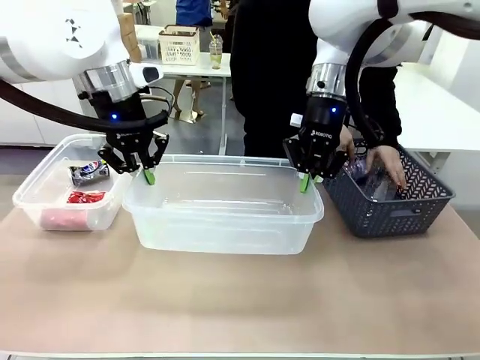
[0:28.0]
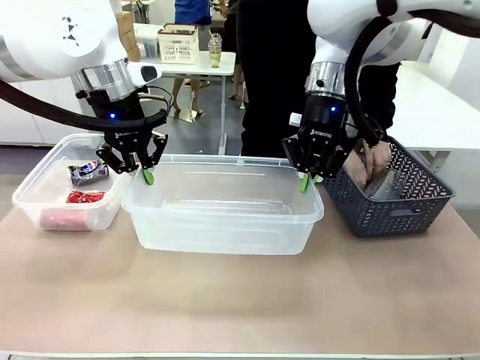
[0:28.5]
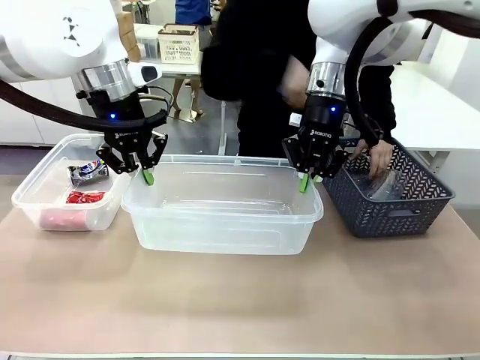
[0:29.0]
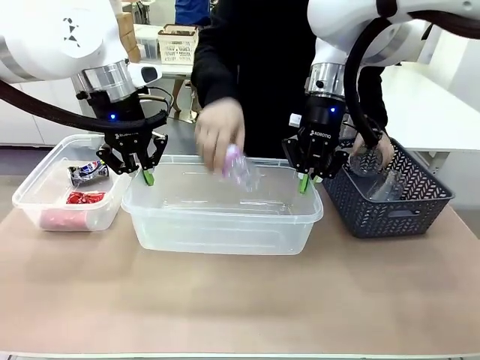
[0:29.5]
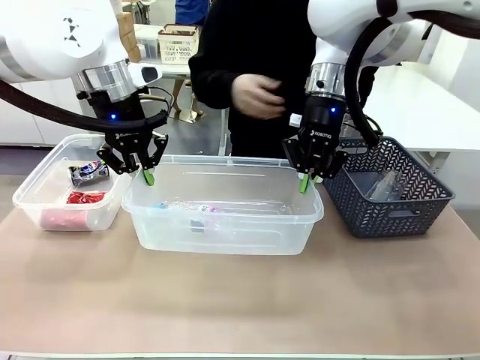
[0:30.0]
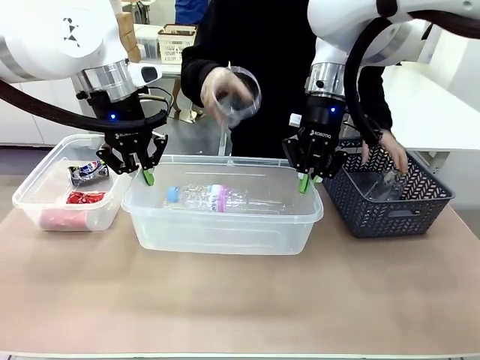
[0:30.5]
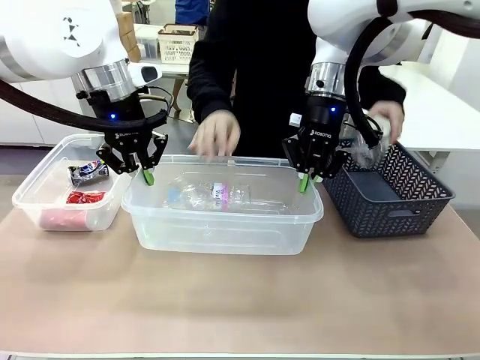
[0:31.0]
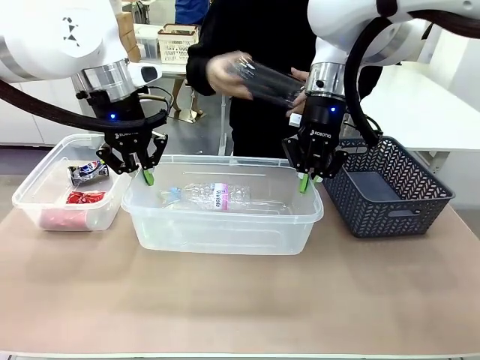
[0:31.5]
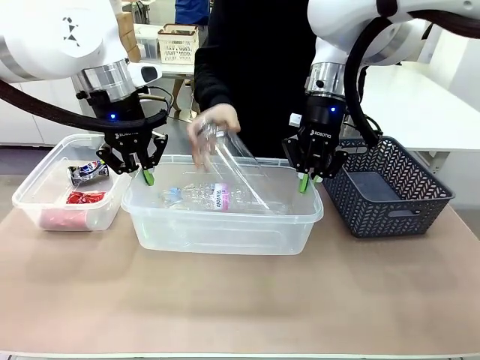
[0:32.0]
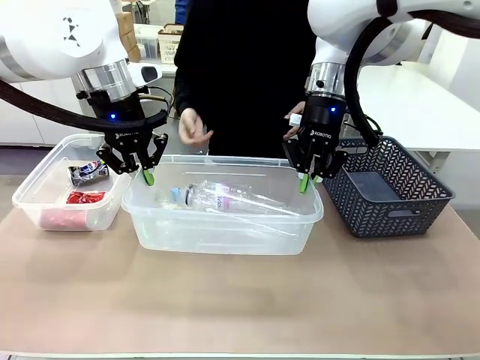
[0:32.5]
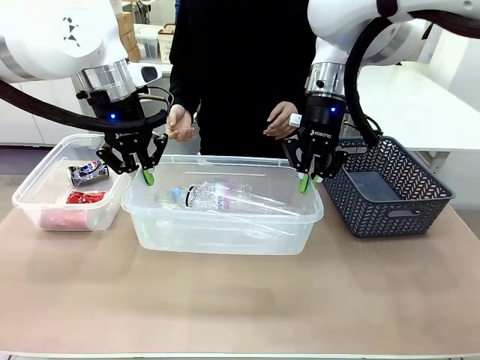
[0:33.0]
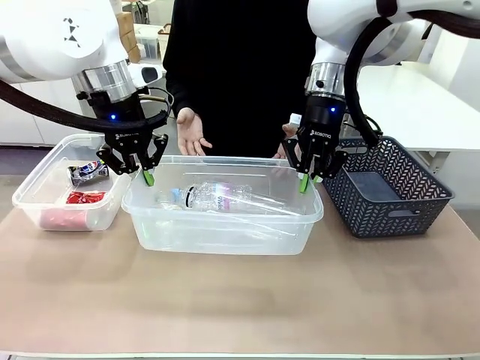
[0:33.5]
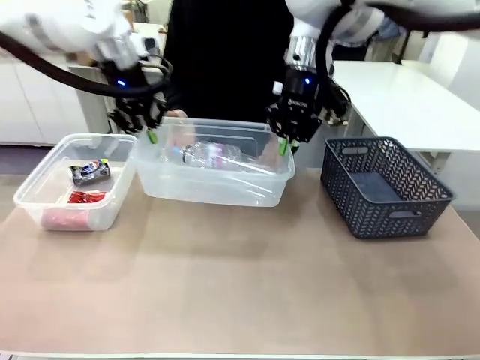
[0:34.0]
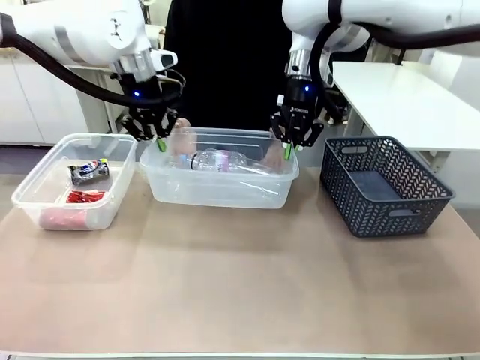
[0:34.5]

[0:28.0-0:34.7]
Robot: Offer the picked Organizing box to the human.

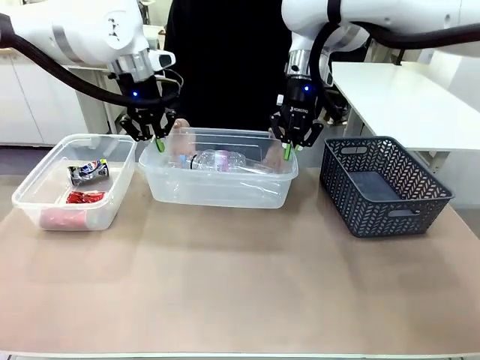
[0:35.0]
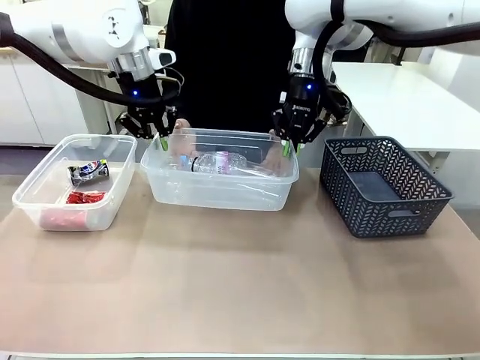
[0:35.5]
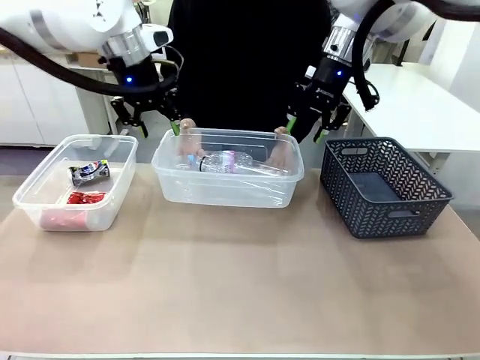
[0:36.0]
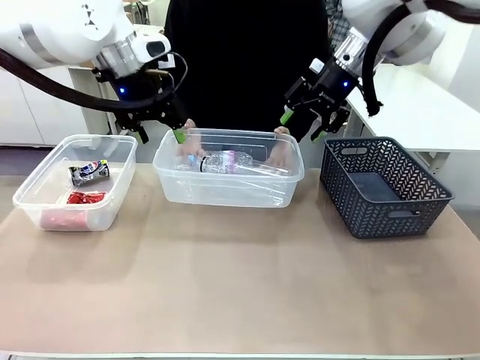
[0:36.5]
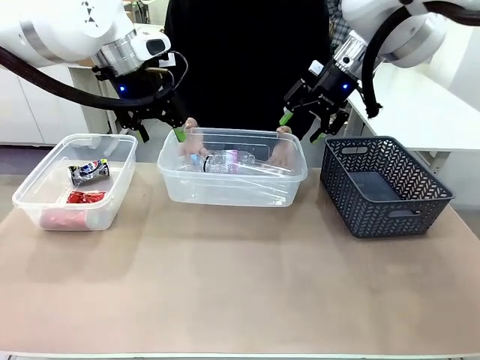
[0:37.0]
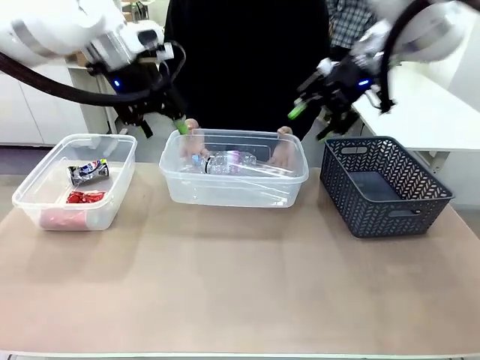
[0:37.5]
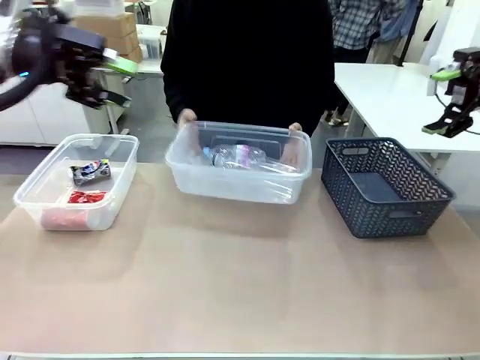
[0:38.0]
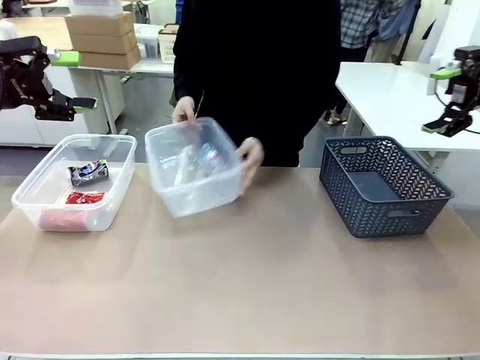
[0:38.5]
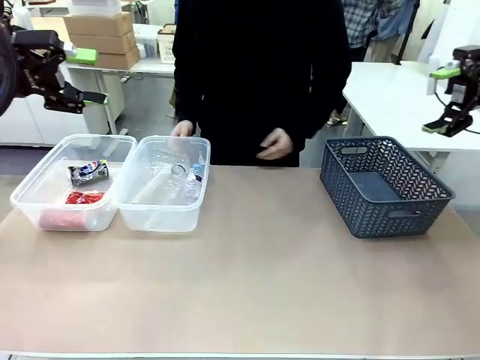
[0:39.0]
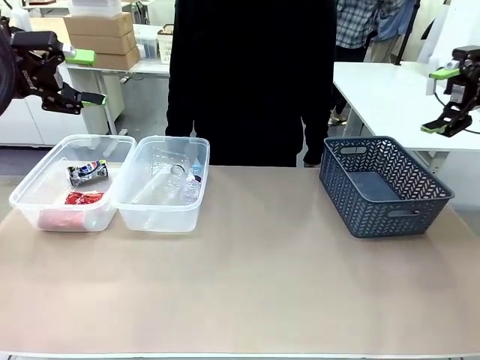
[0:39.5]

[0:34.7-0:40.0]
Robot: Release the Organizing box you were holding.
Person: Pick up the organizing box extended by the robot. Place the organizing box to the left of the sorting box containing the can waste.

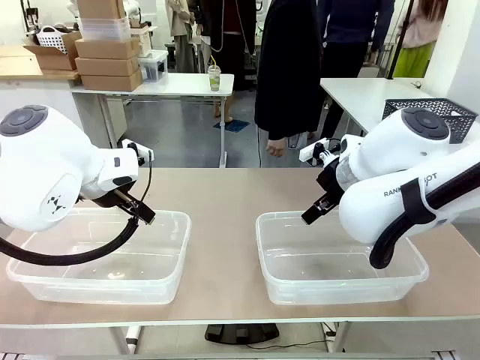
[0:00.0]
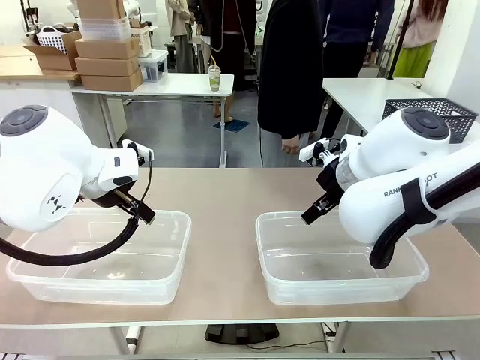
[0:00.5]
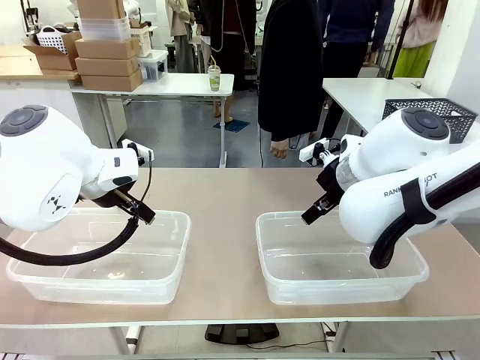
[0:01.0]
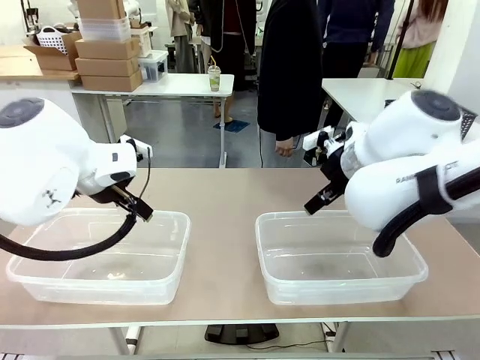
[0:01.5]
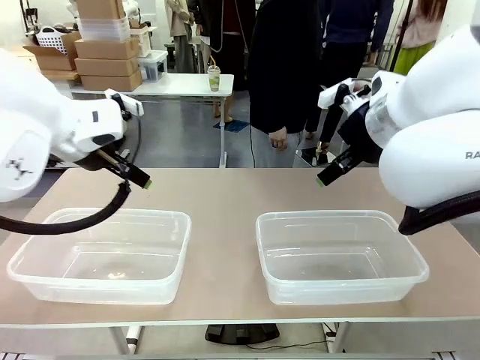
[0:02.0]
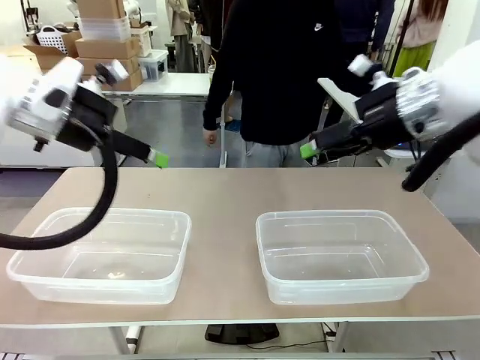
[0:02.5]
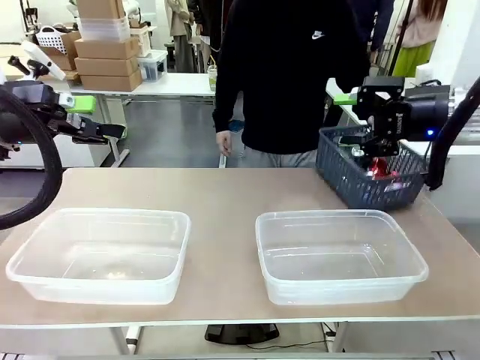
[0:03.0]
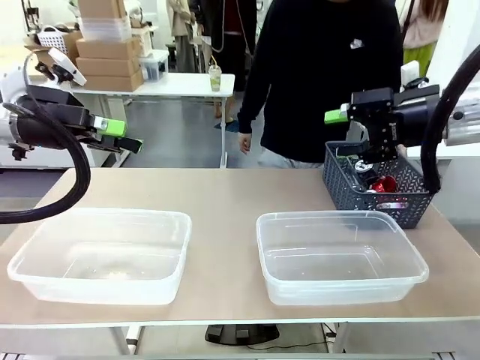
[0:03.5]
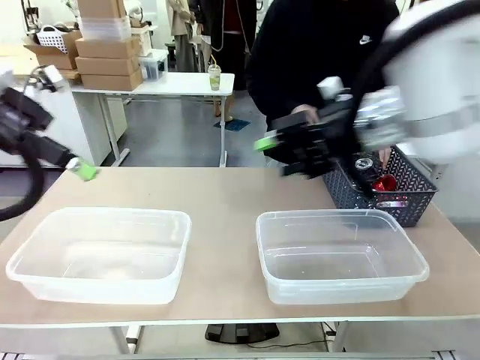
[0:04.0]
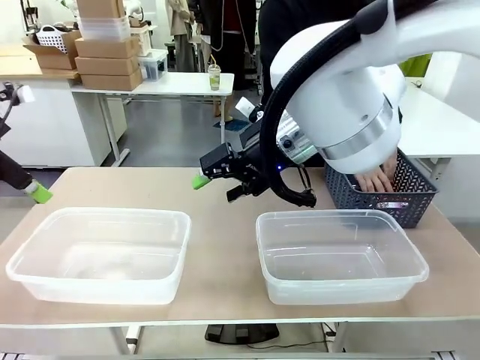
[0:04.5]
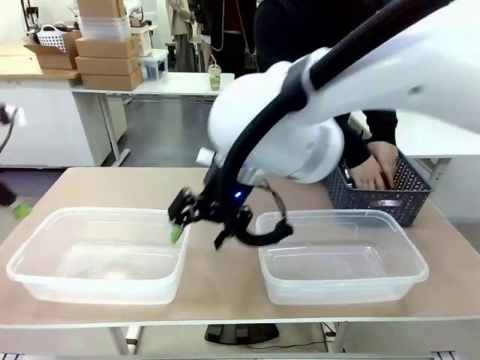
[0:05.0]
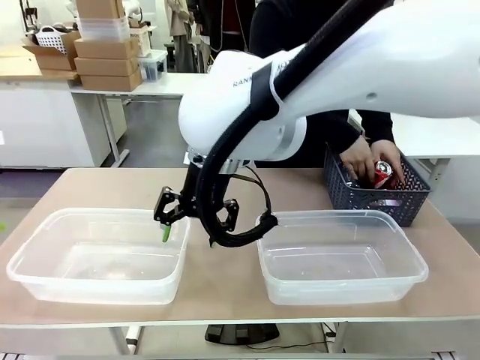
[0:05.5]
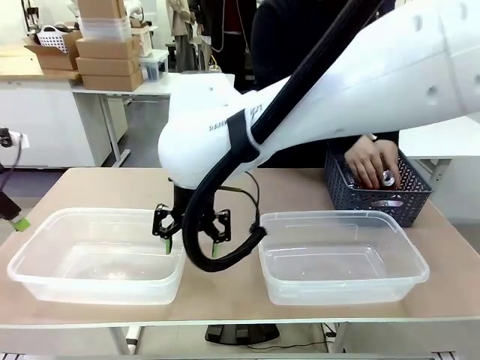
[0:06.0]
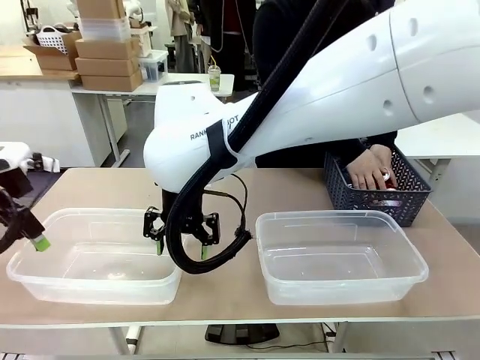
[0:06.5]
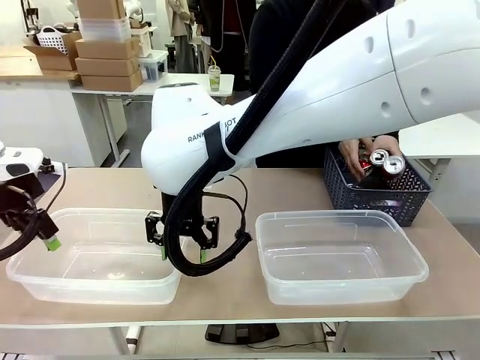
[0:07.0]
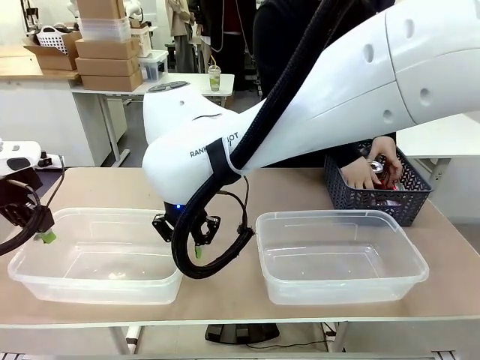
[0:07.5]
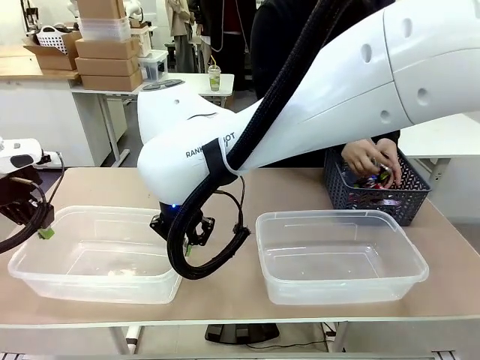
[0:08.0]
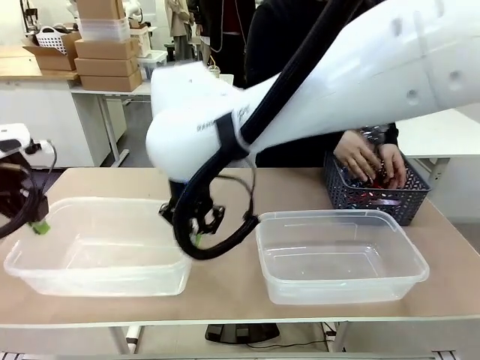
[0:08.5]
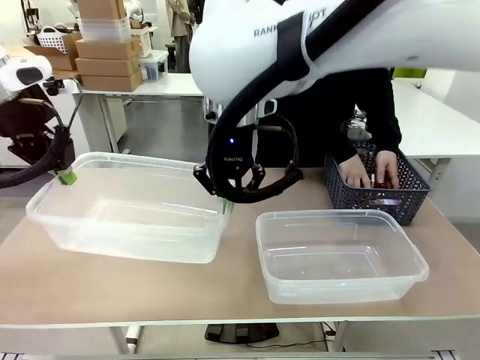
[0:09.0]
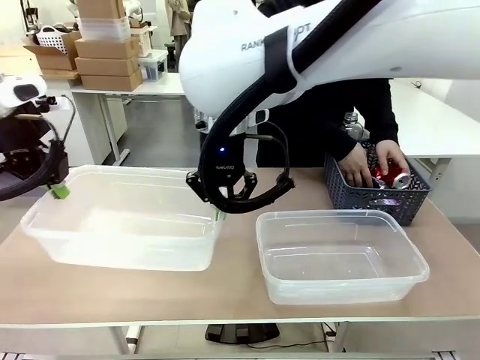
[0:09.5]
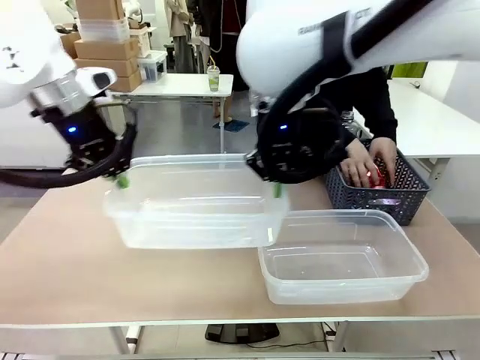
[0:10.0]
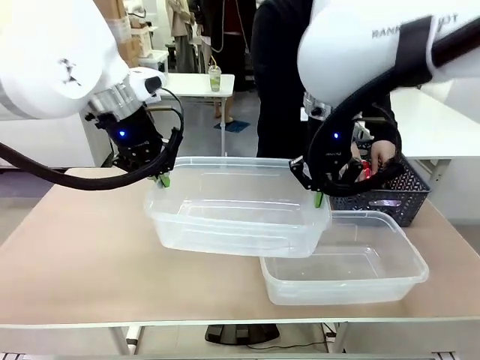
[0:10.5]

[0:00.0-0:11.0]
Robot: Pick up the Organizing box on the left side of the table and lift it.
Person: Pick up the storage basket and place it on the left side of the robot table. Pick up can-shaped waste one by one and place it into the organizing box lifted by the robot.

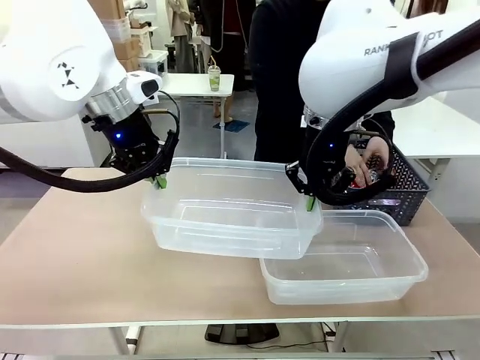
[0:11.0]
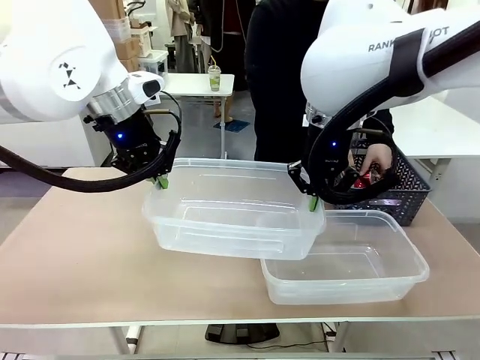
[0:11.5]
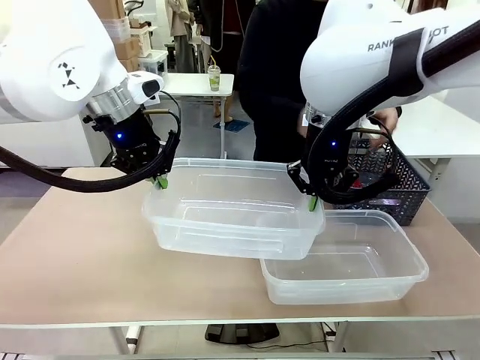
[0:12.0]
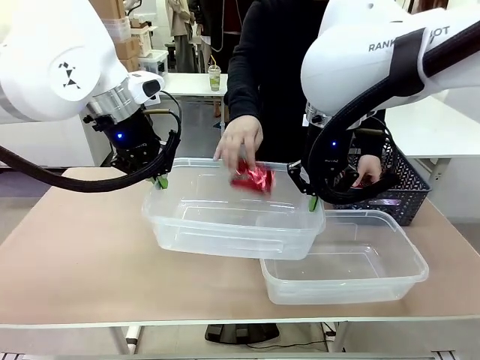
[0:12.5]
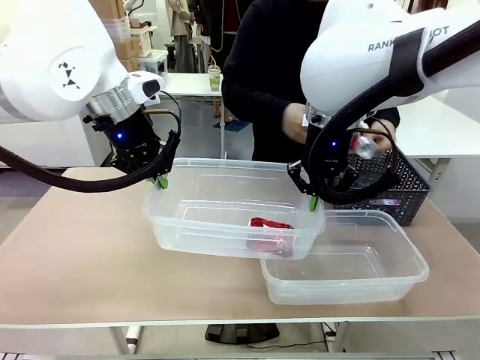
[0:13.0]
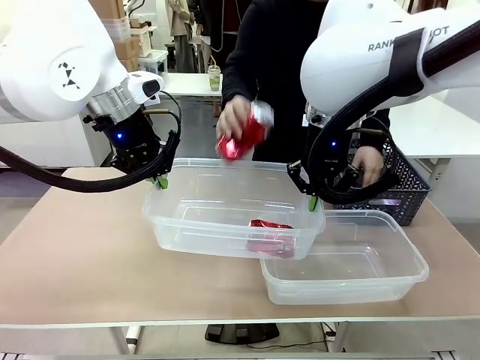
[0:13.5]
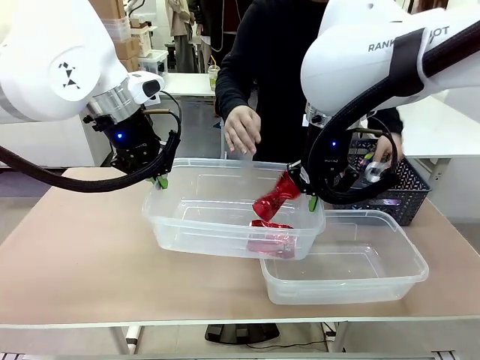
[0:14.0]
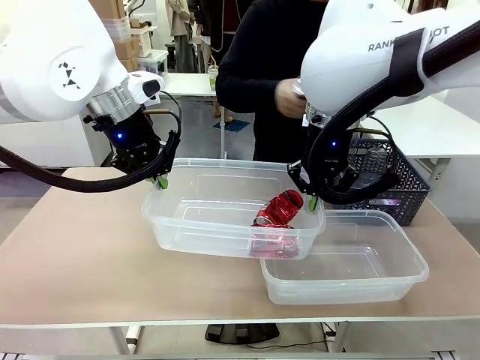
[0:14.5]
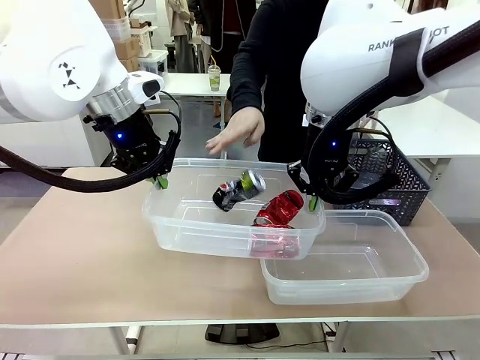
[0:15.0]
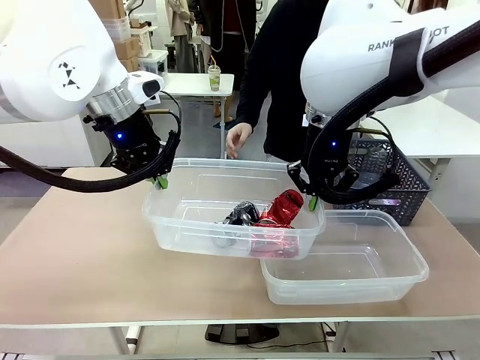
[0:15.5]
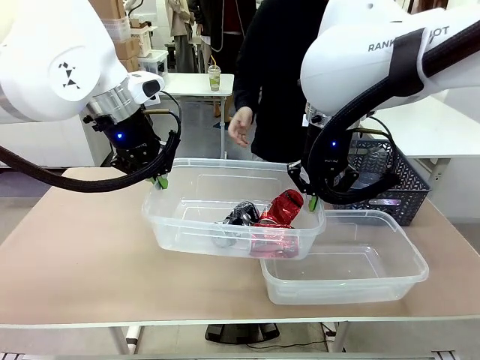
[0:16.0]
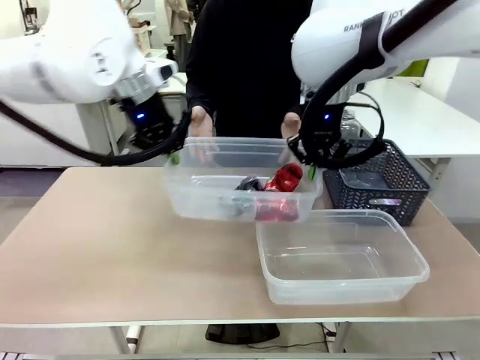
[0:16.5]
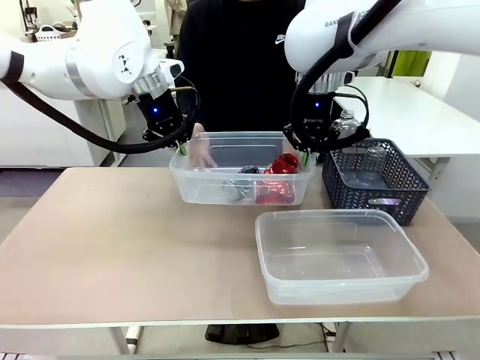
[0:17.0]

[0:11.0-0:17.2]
Robot: Offer the picked Organizing box to the human.
